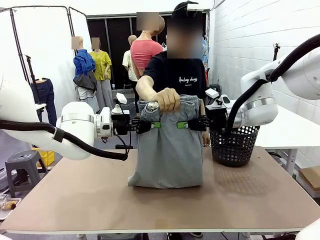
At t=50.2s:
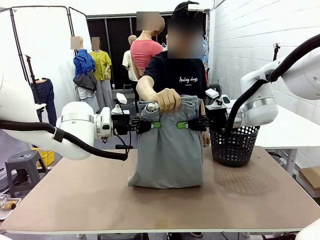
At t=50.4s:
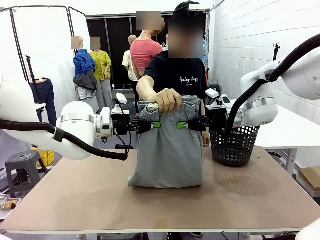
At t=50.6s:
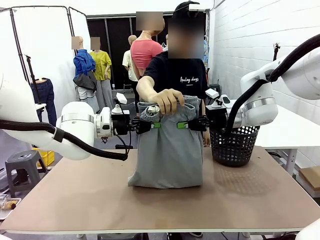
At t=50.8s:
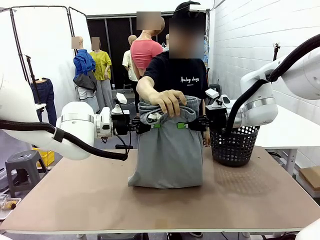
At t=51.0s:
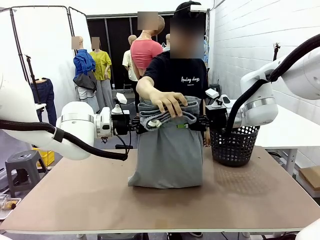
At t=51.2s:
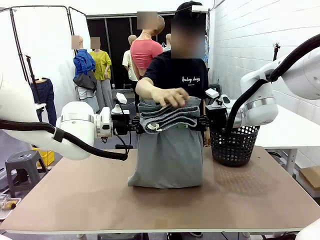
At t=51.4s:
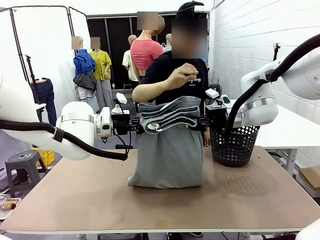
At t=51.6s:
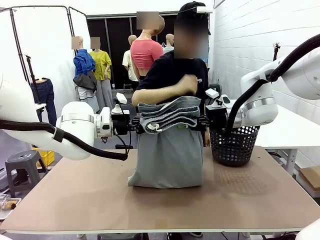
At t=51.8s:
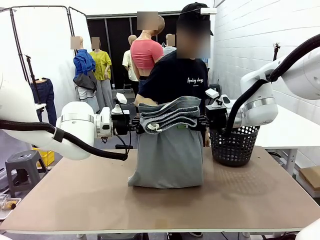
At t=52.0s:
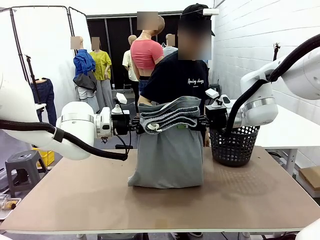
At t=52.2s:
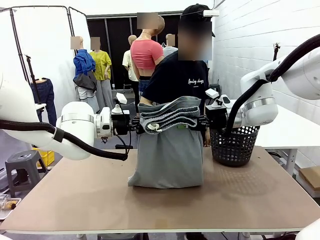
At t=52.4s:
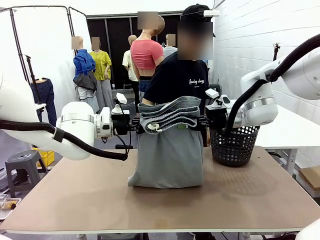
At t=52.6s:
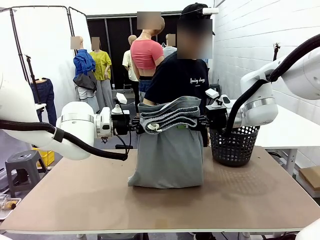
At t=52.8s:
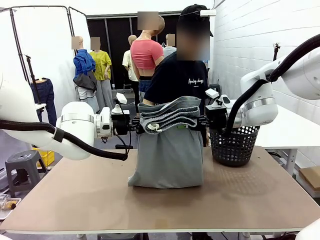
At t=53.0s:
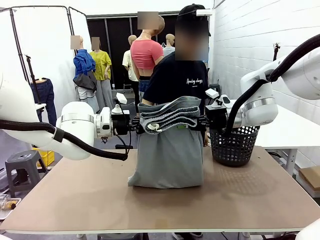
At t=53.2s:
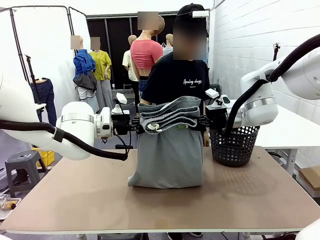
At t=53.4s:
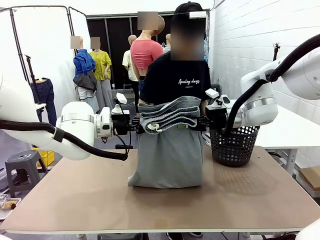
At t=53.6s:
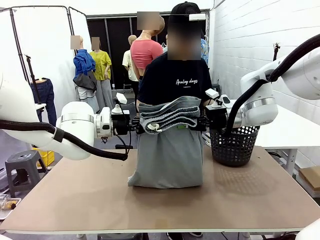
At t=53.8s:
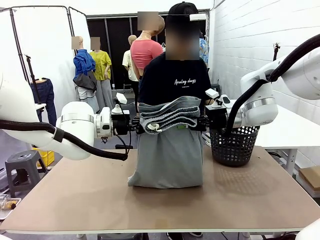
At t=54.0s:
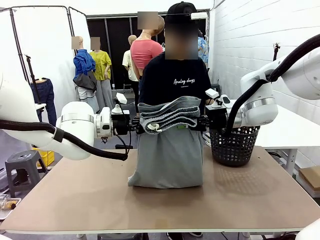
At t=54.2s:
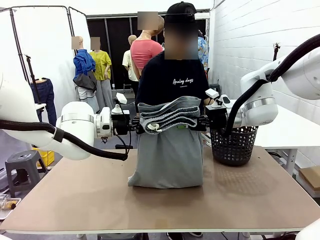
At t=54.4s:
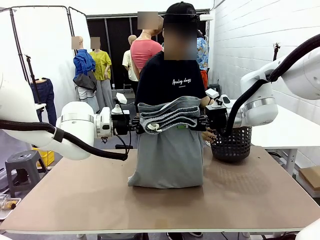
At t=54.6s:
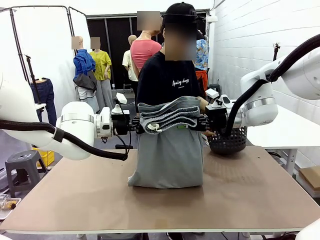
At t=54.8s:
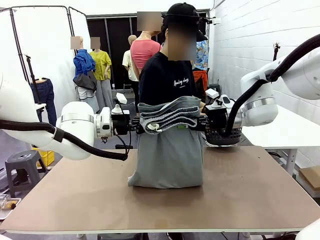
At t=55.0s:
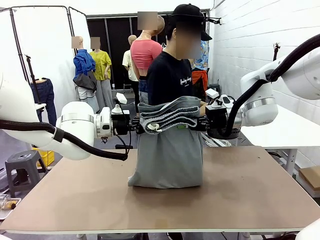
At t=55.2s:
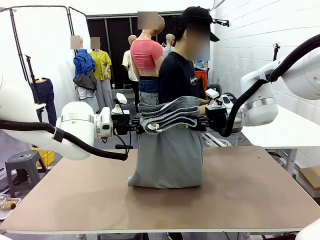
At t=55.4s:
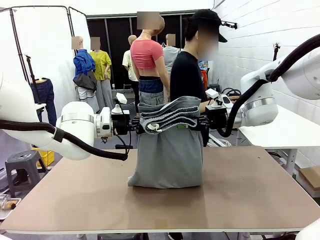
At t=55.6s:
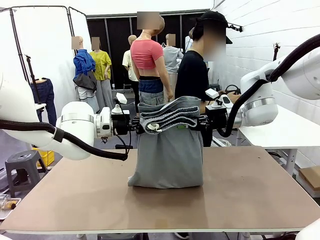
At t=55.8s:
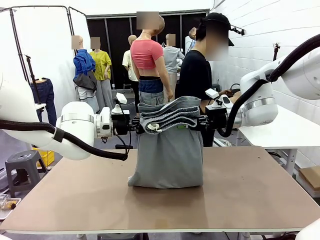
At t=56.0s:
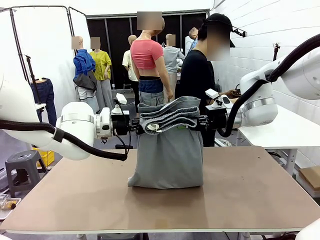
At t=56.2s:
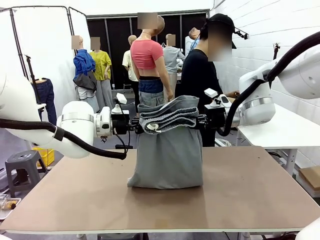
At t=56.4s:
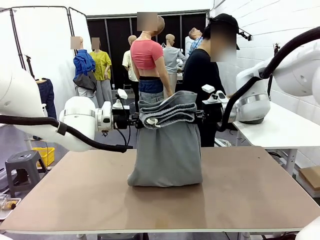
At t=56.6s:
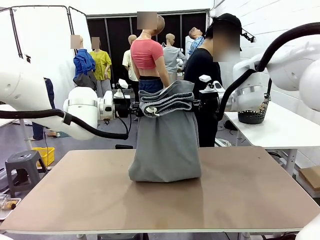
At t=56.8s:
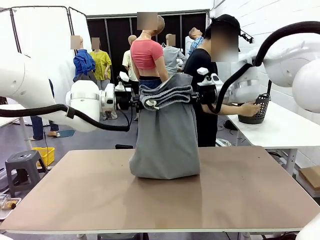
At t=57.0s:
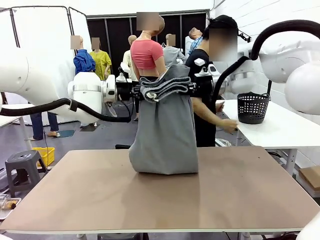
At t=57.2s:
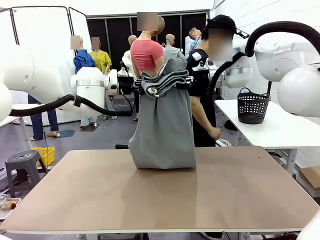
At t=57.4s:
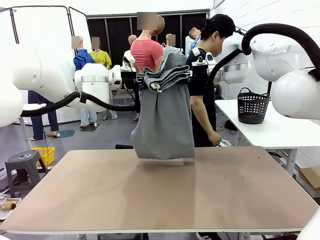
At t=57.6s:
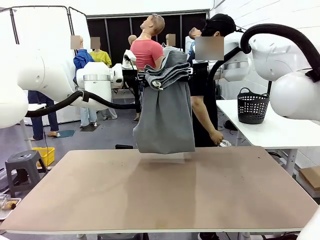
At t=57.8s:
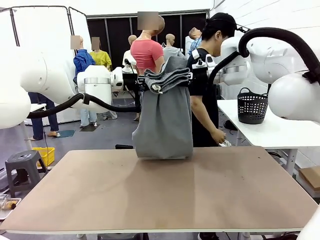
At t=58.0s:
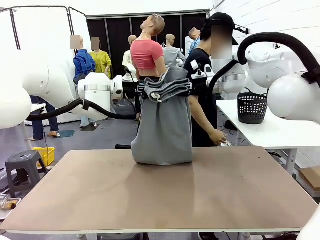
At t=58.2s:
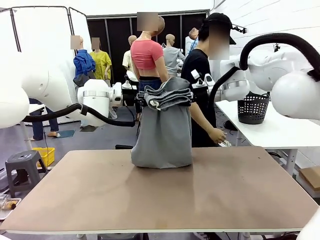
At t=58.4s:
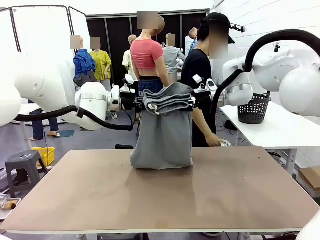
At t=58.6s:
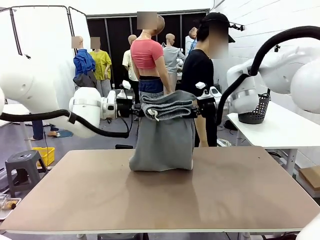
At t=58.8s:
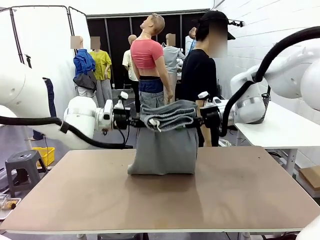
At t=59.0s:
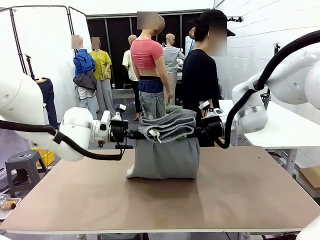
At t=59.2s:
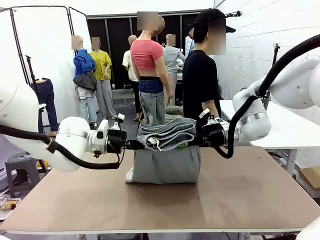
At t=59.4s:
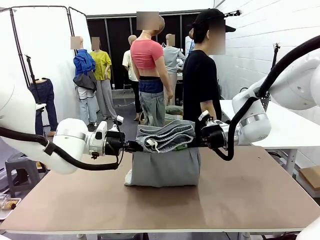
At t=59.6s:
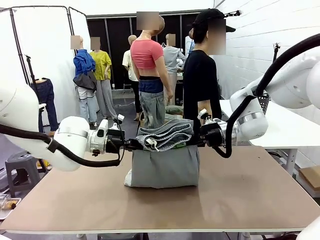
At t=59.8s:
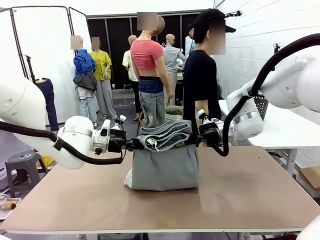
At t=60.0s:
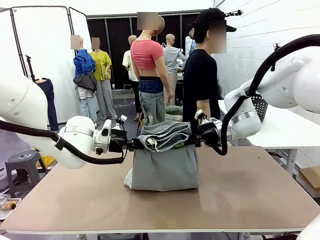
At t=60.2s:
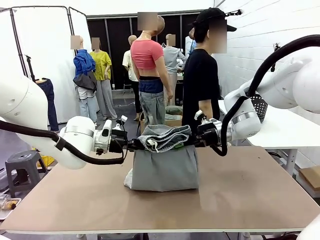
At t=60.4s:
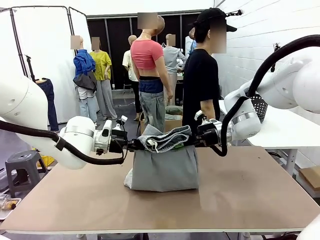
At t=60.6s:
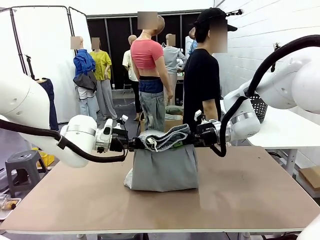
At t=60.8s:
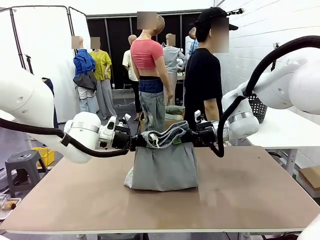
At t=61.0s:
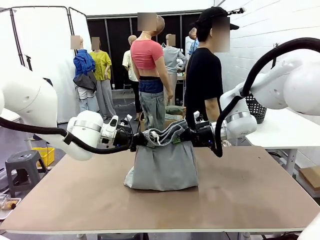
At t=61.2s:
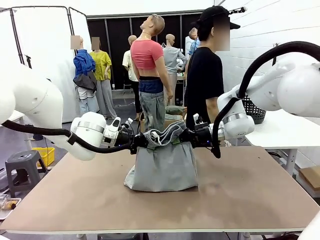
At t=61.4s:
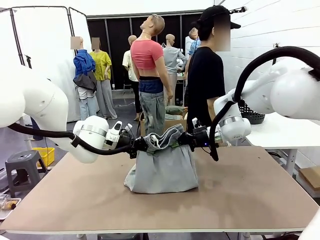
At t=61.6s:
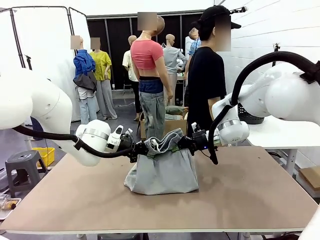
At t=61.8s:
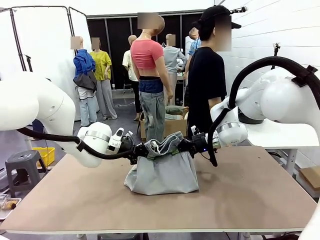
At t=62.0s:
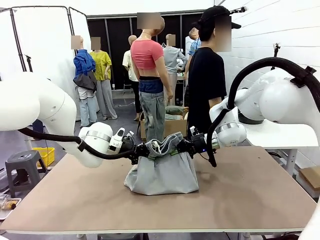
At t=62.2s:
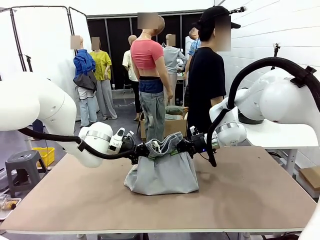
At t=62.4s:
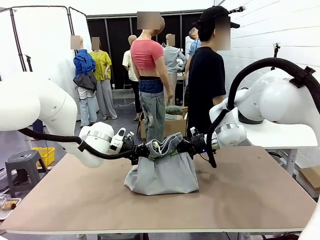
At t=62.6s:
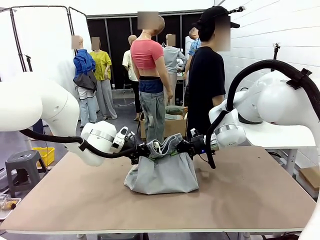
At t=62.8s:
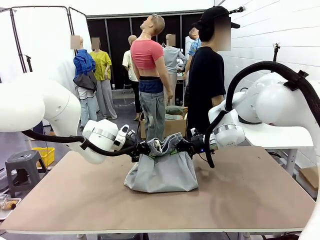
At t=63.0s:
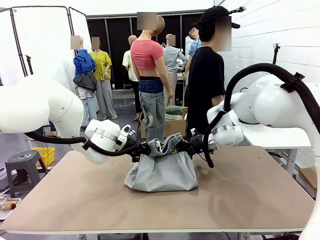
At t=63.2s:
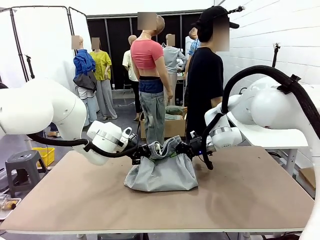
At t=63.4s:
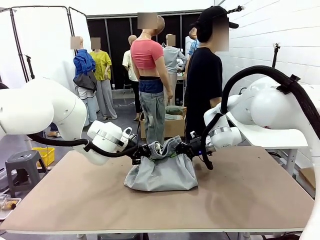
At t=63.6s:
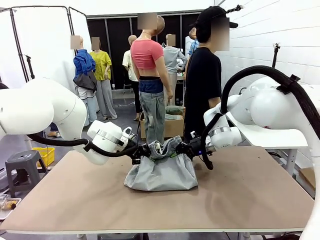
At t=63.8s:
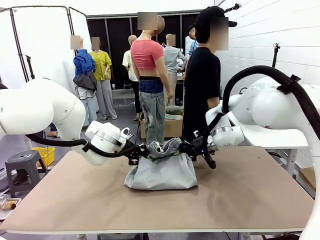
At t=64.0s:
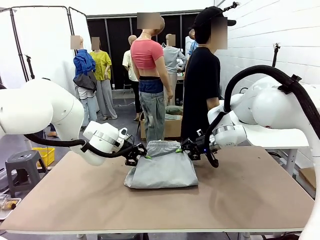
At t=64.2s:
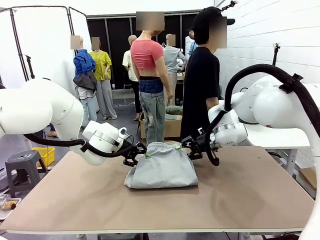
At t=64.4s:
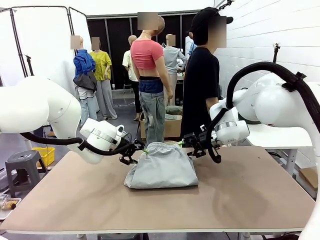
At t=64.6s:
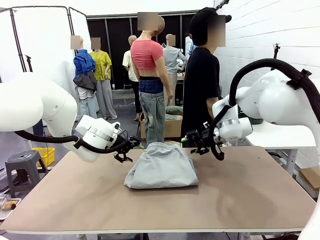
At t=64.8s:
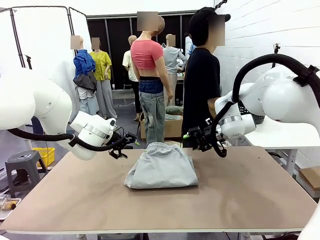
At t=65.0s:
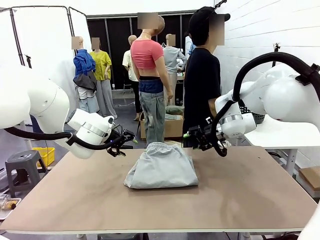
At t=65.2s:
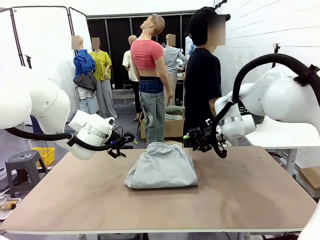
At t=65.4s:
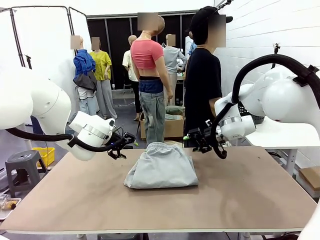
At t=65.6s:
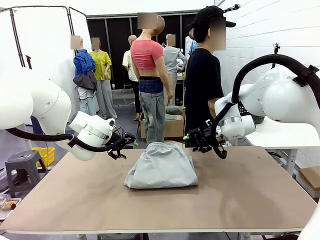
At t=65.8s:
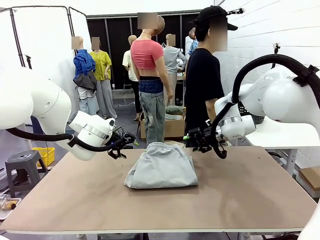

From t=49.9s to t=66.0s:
Task: Fold the training pants.
Robot: Fold the Training pants in half.
Person: Move the laundry basket to the right of the human table.

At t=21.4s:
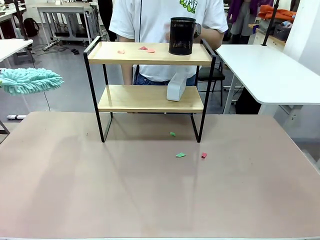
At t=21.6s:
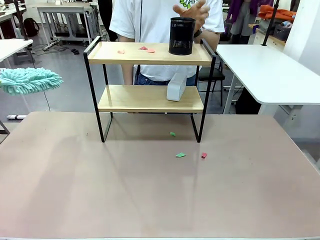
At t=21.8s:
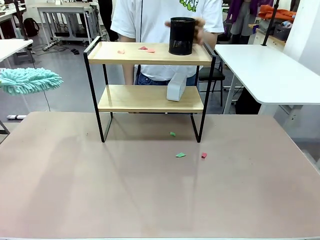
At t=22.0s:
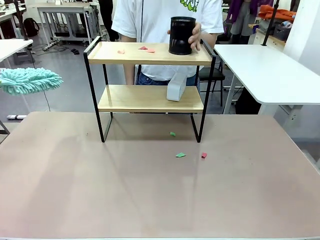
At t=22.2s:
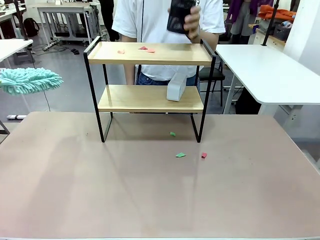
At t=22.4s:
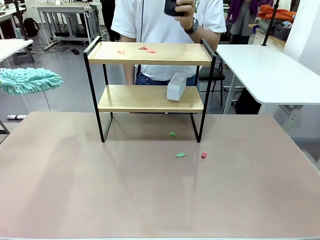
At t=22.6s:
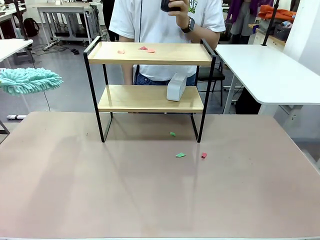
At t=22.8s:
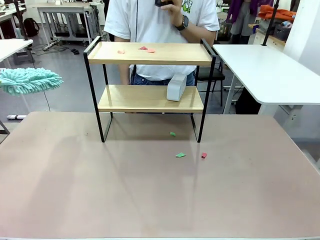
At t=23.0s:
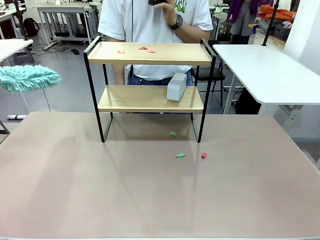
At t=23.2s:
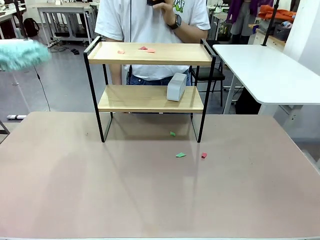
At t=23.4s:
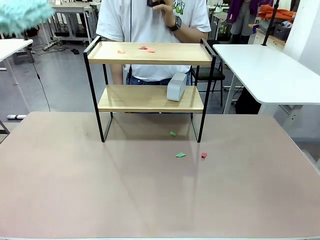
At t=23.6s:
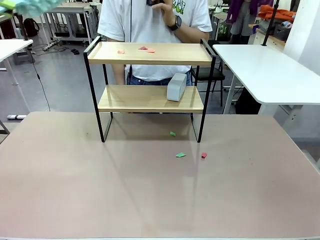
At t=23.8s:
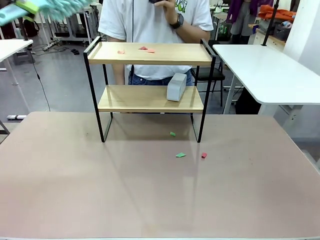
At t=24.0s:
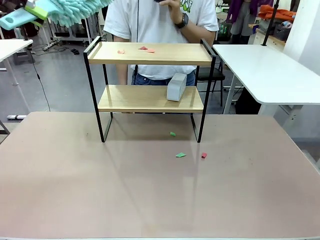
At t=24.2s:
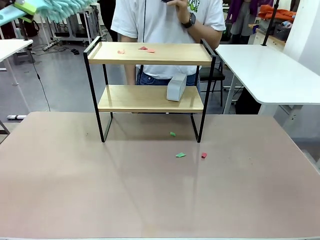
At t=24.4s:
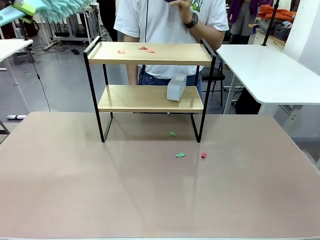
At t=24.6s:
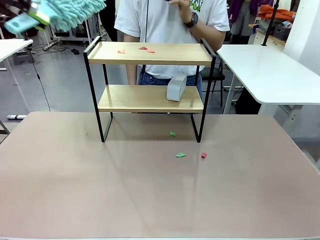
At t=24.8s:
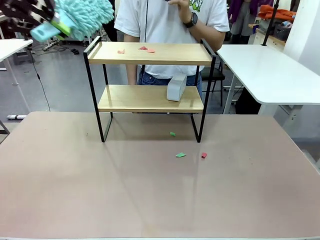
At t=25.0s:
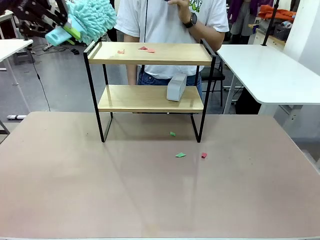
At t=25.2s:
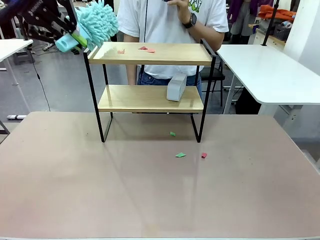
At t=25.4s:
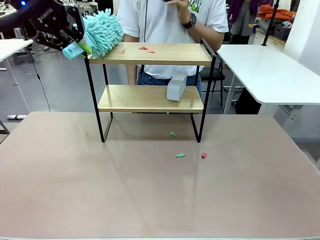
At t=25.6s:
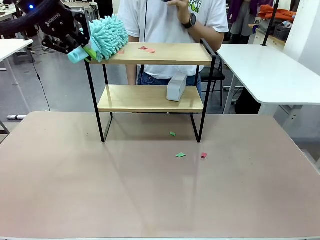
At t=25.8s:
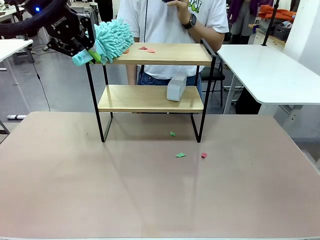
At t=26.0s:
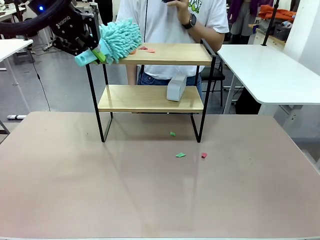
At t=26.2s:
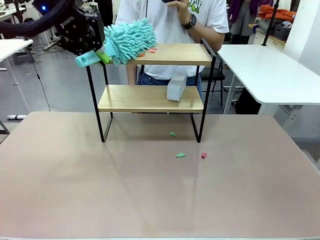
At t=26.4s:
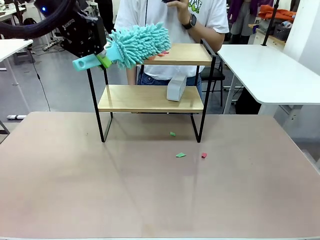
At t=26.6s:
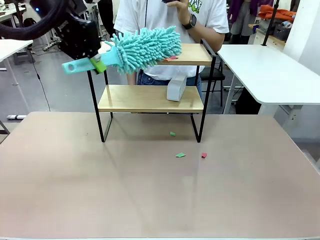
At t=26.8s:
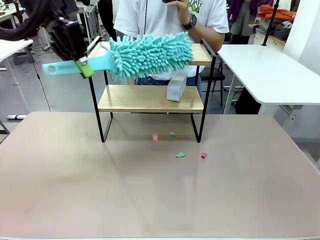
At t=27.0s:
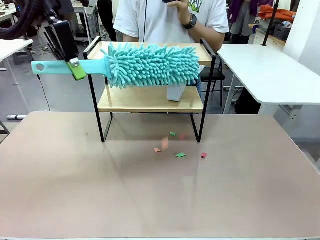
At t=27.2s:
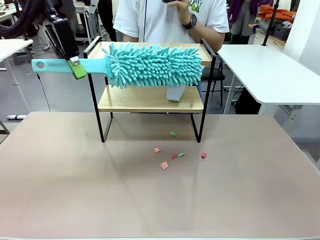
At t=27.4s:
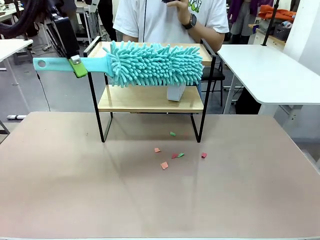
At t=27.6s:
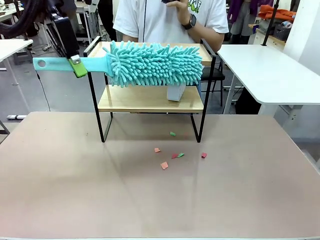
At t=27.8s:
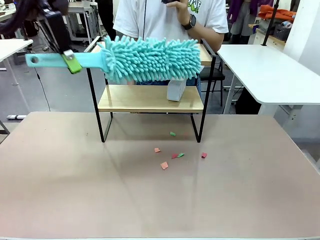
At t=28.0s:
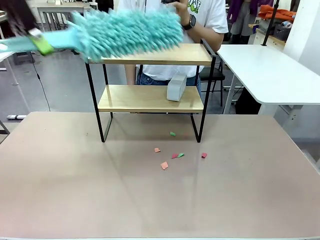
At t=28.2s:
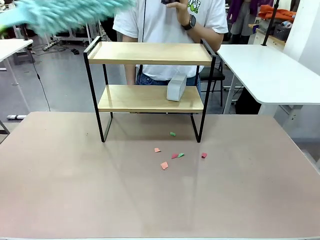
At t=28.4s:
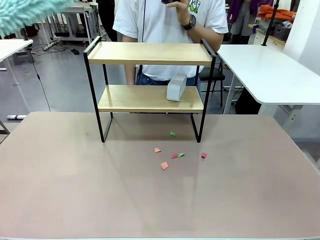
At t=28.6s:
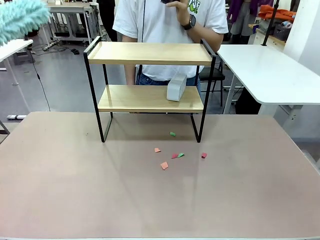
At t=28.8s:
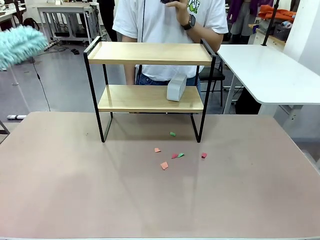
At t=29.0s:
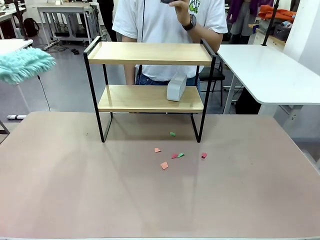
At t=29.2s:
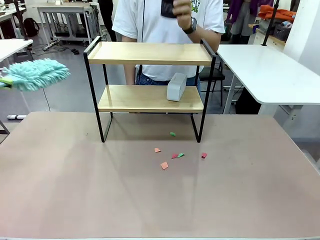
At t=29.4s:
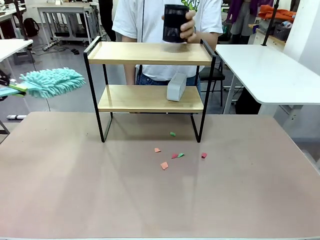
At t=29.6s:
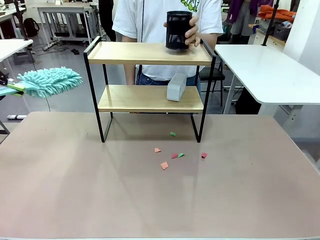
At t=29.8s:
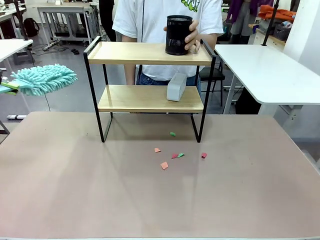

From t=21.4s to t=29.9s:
Task: Clean the shelf.
Robot: Clean the remaining tier of the Shelf with the Duster once objects are removed.
